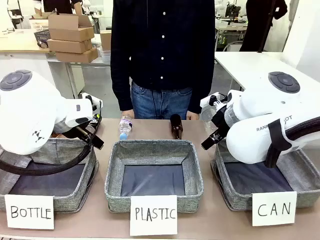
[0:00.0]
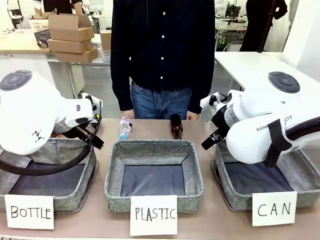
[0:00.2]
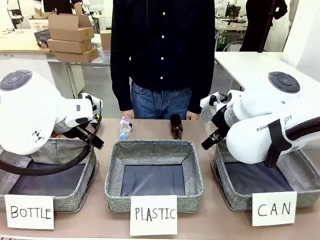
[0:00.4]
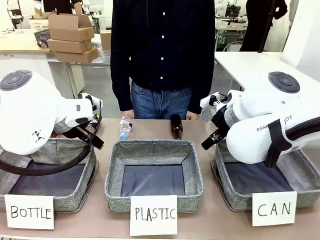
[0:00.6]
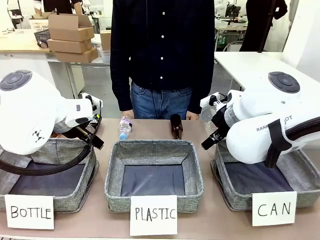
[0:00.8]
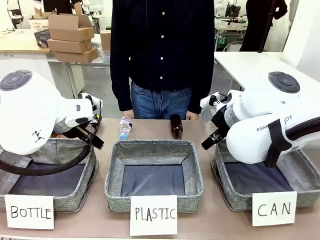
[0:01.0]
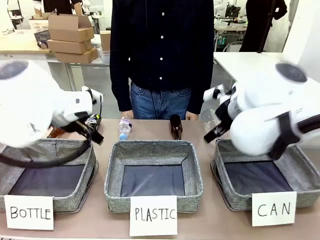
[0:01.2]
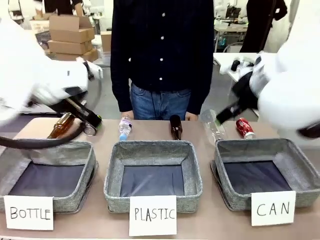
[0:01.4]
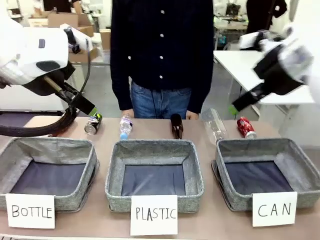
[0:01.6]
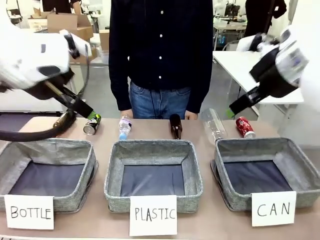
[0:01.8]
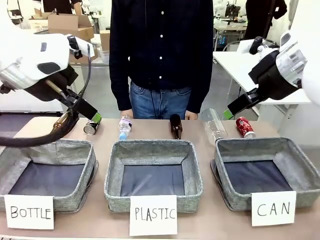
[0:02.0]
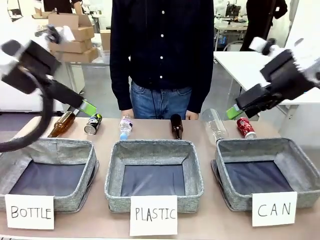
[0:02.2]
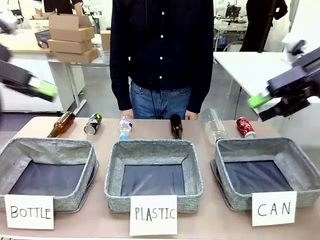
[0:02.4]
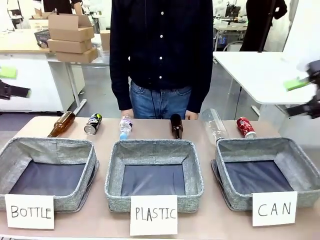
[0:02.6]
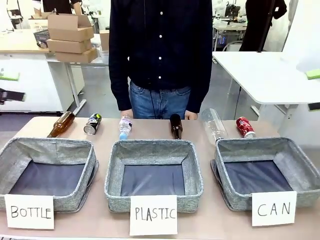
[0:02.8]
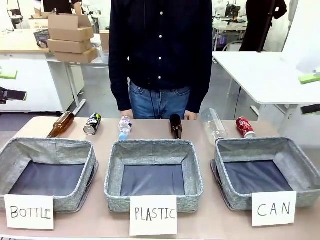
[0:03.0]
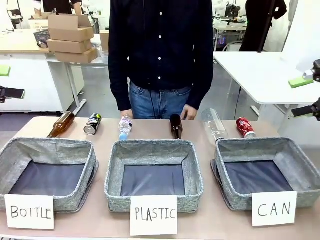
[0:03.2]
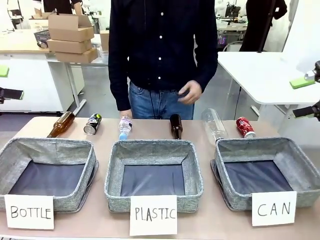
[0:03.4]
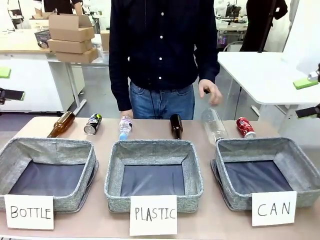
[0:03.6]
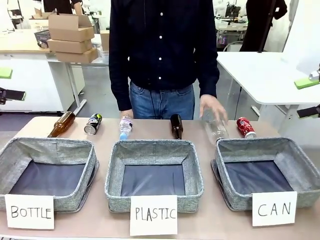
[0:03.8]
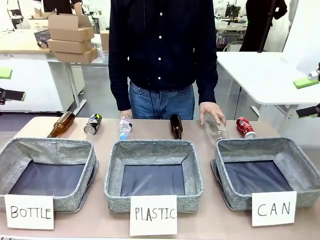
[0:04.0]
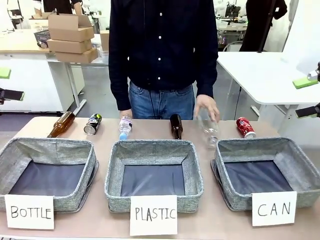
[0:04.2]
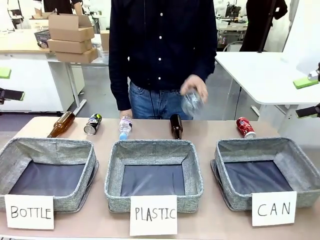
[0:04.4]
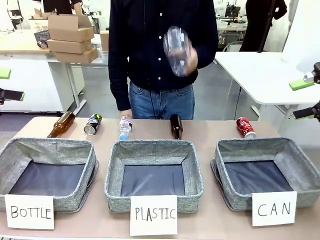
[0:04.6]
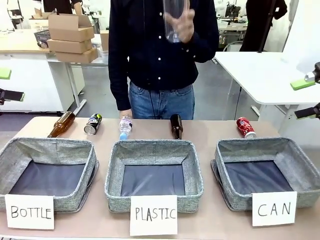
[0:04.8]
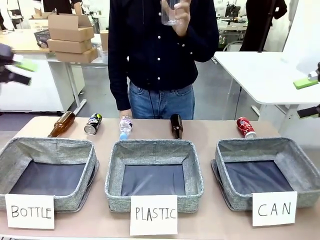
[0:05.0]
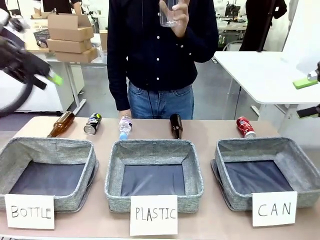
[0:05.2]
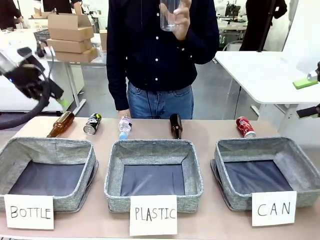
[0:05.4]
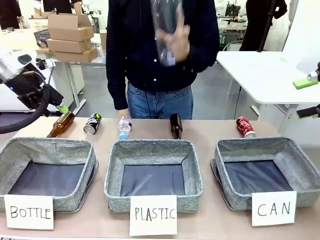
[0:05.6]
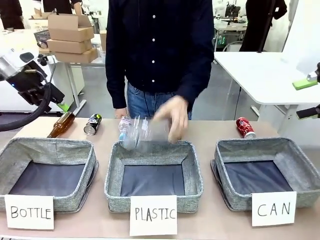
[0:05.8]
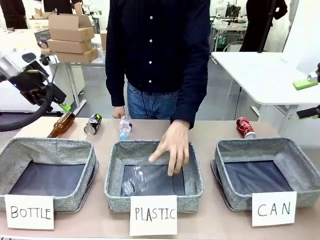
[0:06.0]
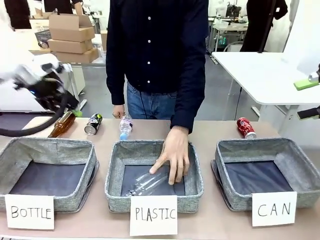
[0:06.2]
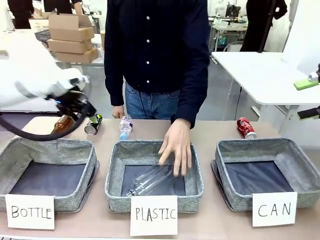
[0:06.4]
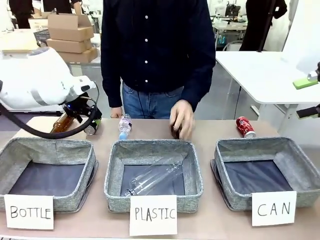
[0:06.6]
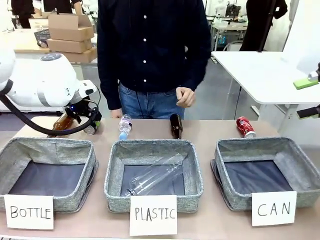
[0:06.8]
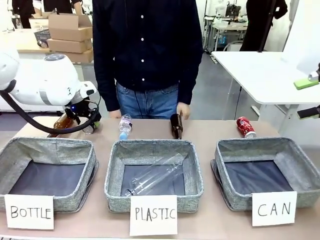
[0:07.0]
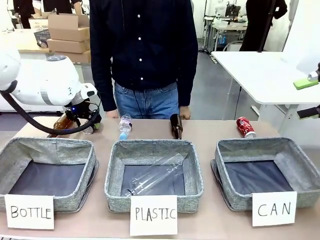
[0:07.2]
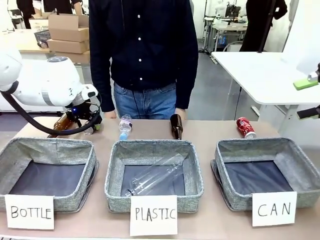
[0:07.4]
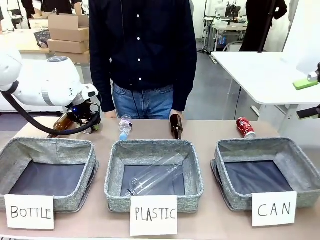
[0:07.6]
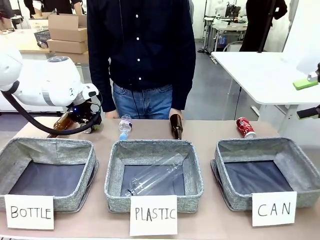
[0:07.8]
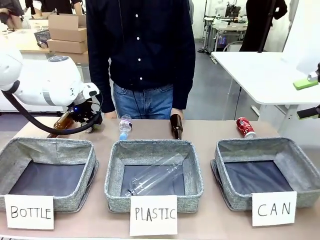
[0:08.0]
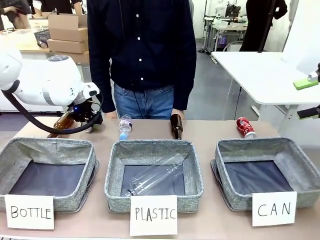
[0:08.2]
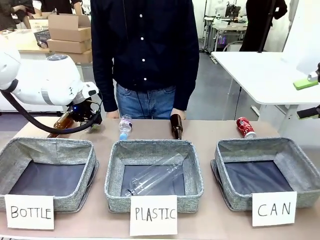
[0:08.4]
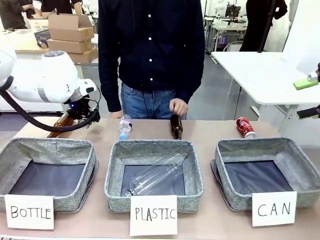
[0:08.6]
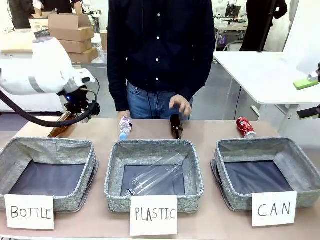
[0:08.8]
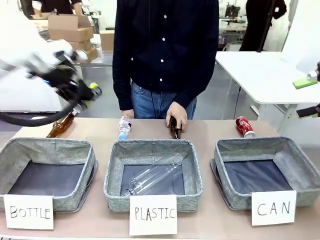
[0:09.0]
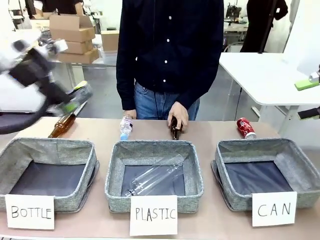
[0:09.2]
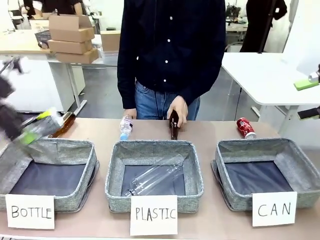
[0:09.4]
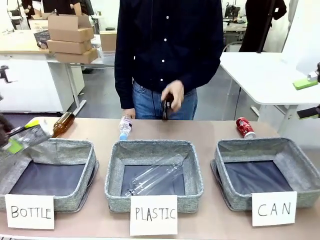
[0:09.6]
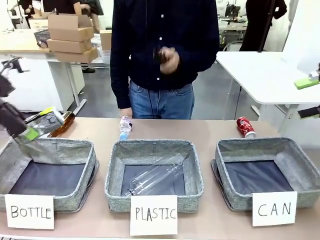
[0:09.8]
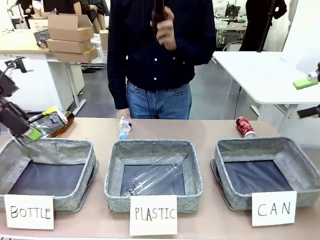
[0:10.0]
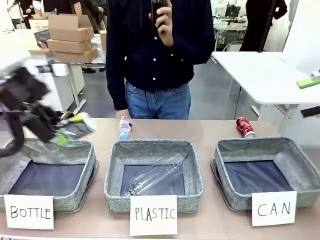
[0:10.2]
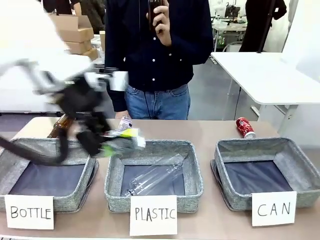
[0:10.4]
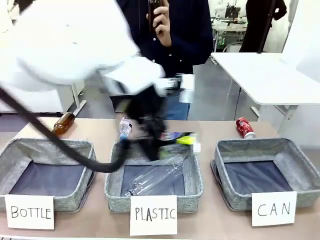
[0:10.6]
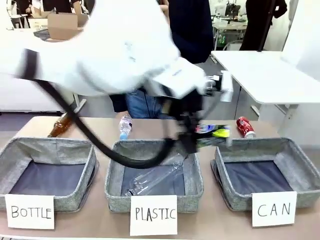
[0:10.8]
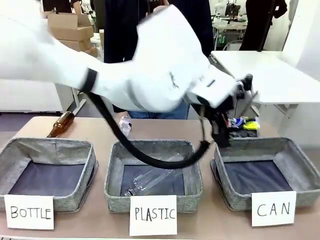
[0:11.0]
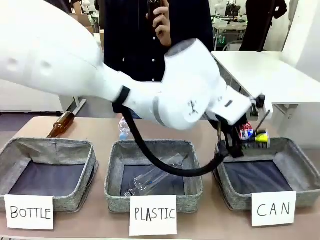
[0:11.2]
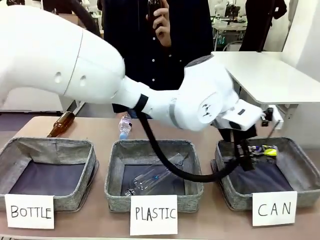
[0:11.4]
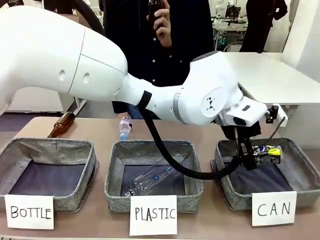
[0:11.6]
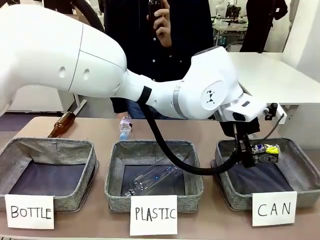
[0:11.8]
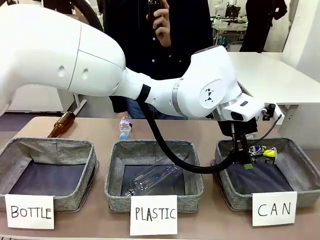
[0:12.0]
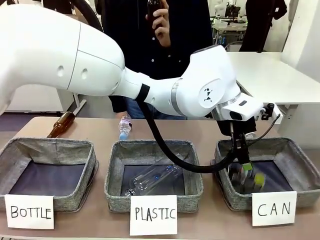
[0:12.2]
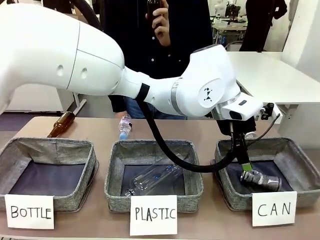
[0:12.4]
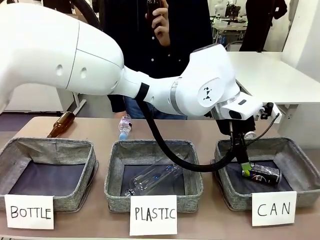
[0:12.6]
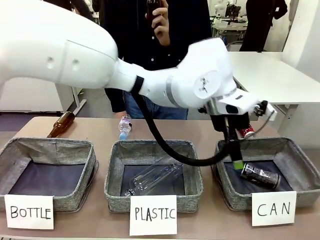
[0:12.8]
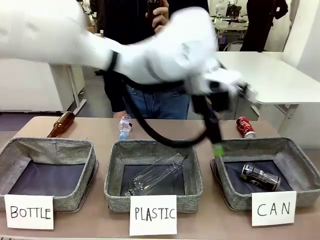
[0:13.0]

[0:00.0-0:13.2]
Task: Sort the can waste into the basket.
Robot: Pick up the can waste from the table and place it in the right Fabric basket.
